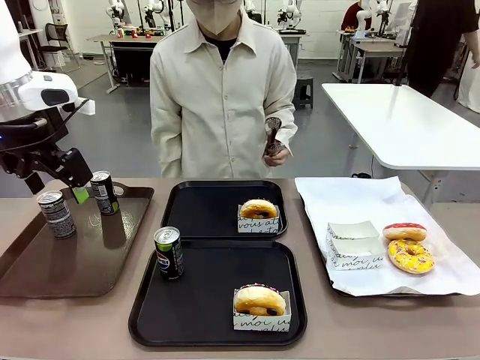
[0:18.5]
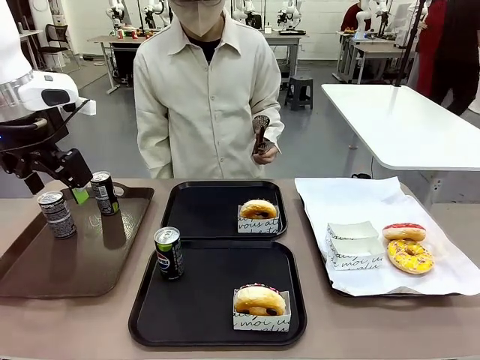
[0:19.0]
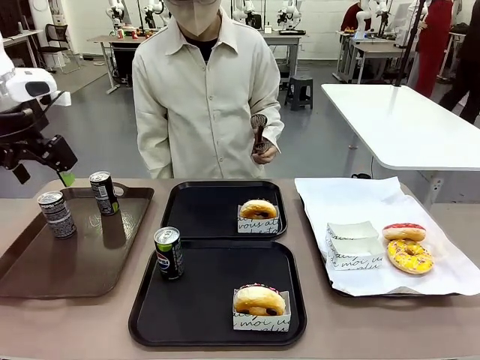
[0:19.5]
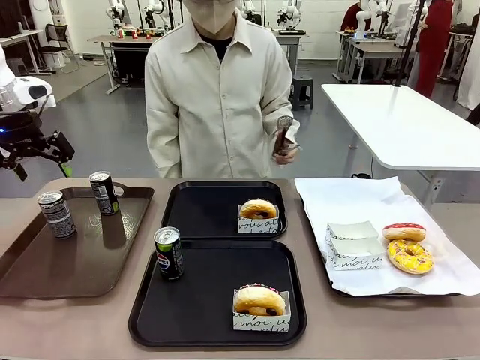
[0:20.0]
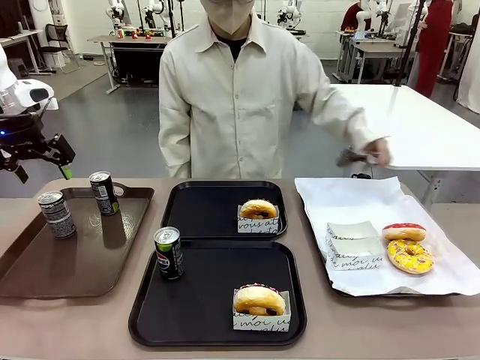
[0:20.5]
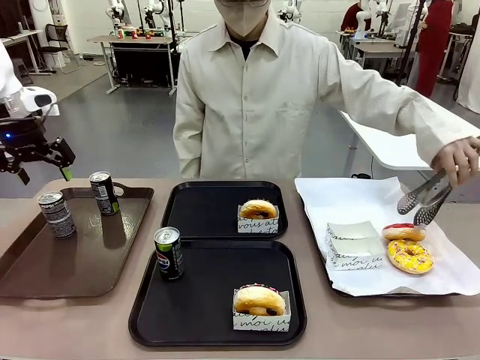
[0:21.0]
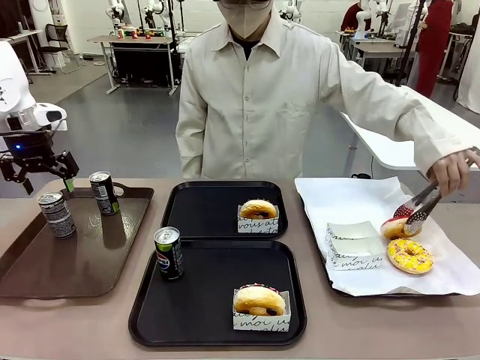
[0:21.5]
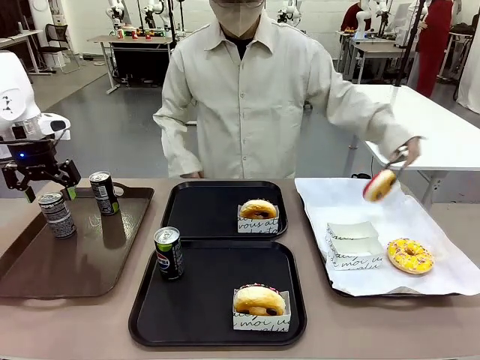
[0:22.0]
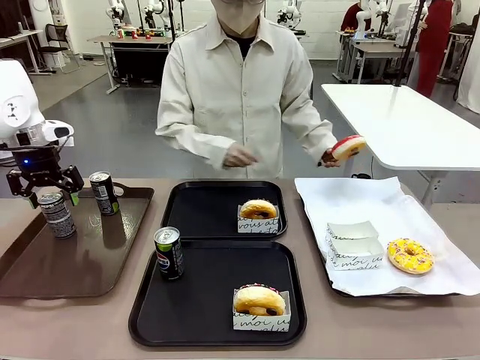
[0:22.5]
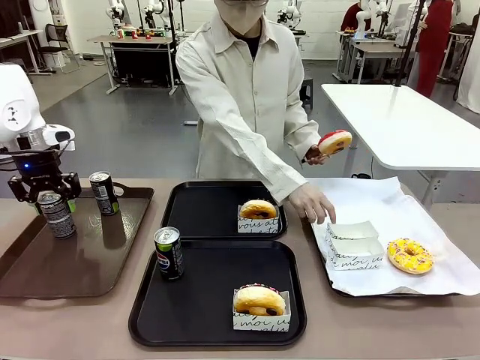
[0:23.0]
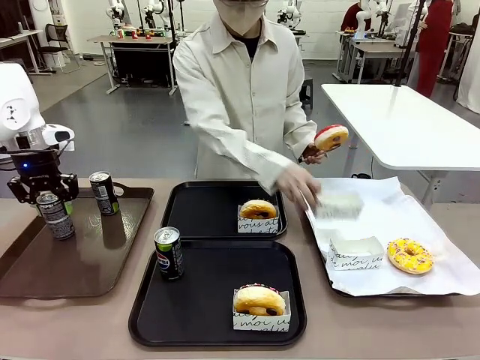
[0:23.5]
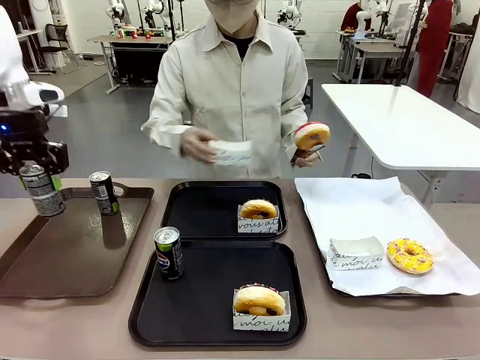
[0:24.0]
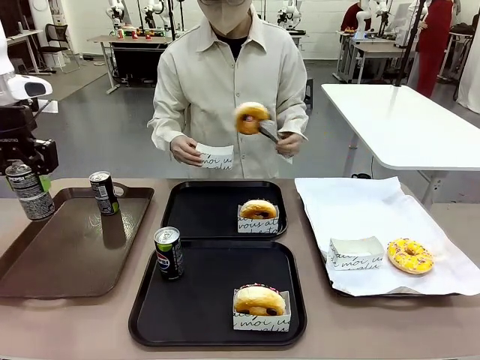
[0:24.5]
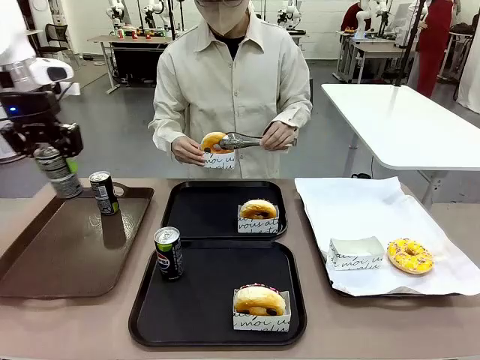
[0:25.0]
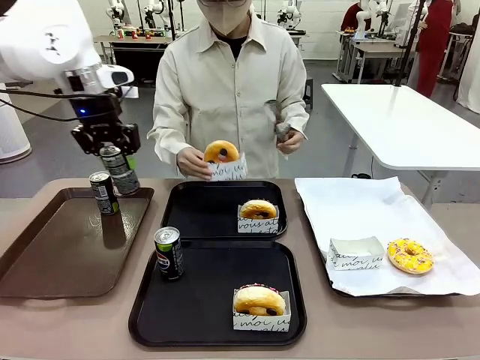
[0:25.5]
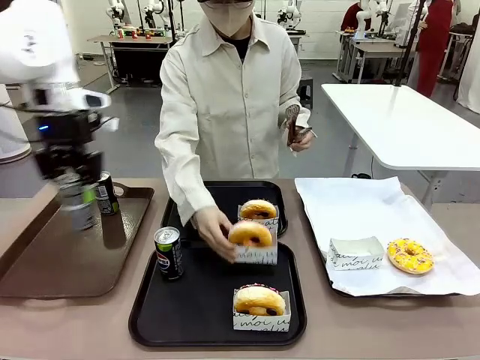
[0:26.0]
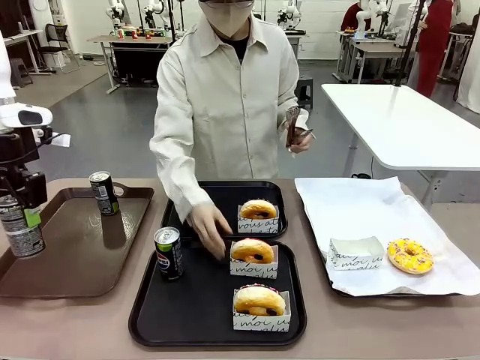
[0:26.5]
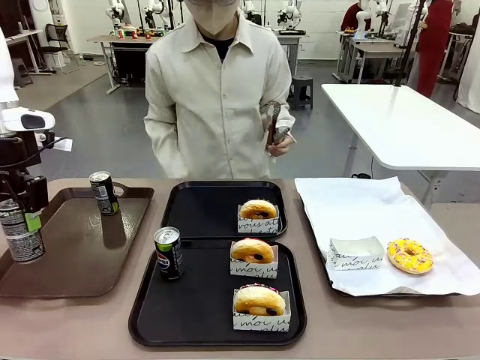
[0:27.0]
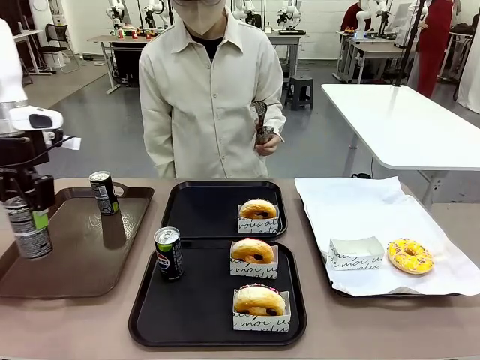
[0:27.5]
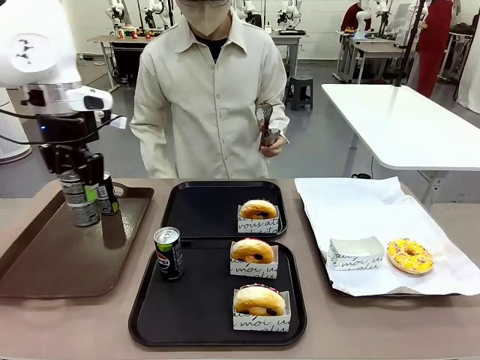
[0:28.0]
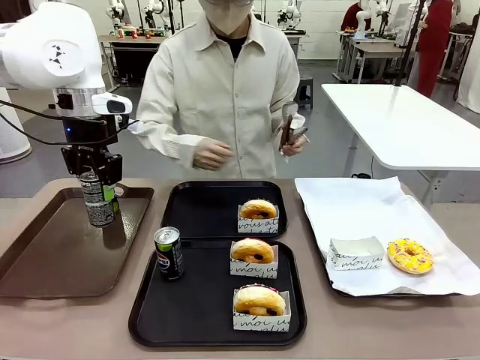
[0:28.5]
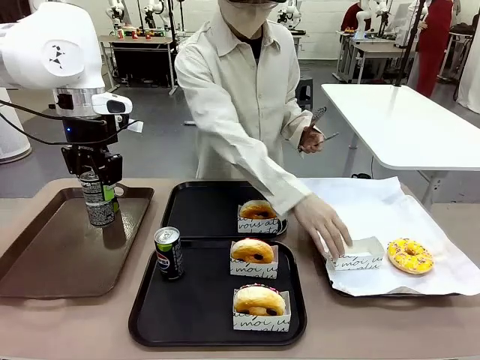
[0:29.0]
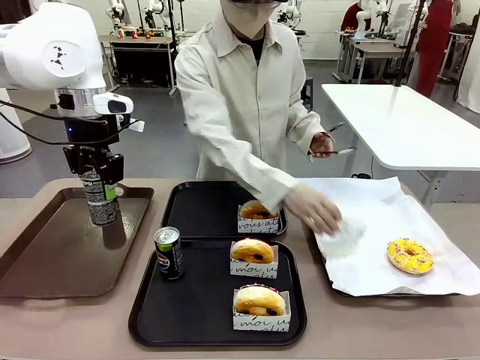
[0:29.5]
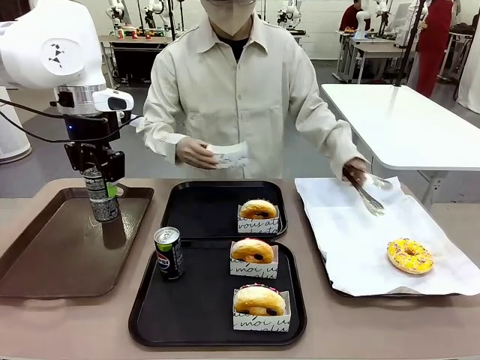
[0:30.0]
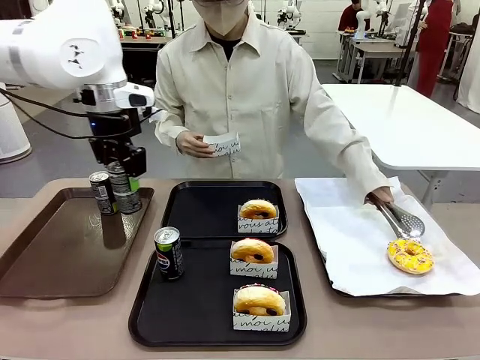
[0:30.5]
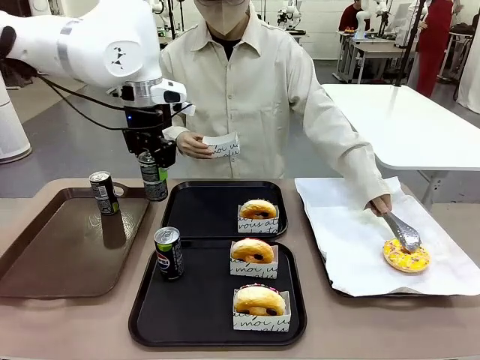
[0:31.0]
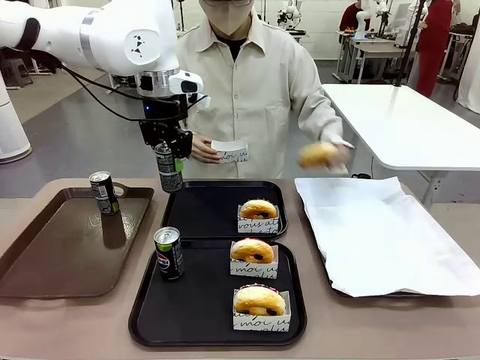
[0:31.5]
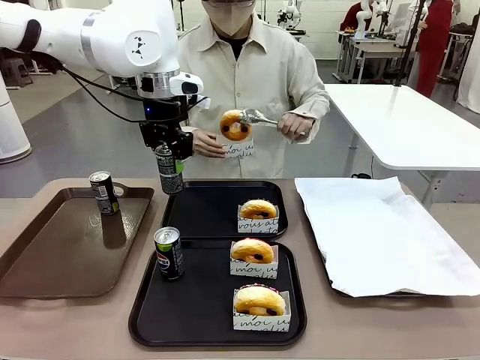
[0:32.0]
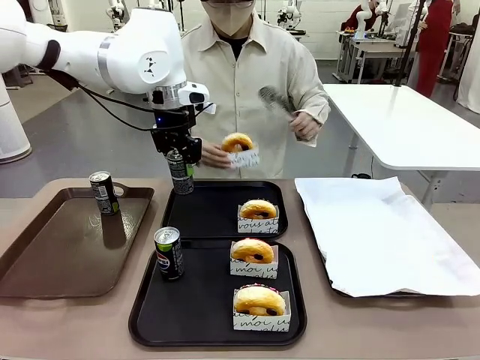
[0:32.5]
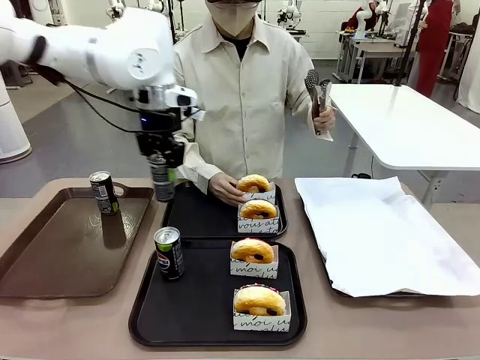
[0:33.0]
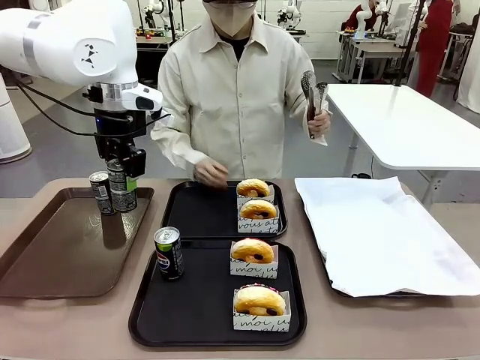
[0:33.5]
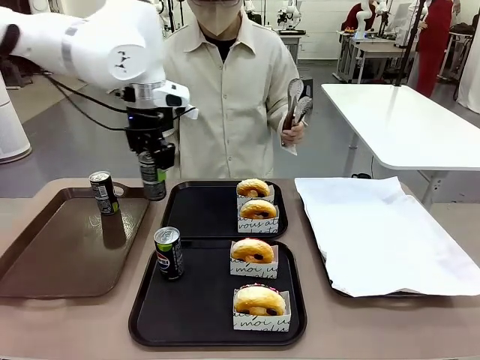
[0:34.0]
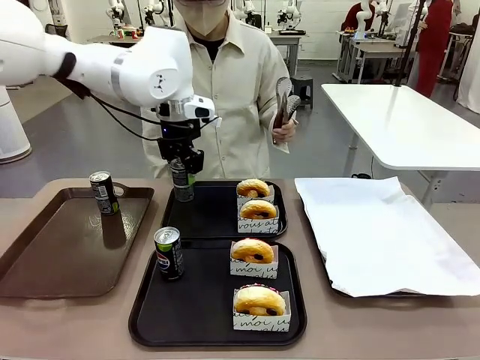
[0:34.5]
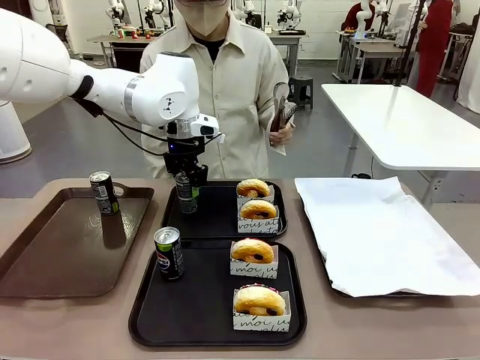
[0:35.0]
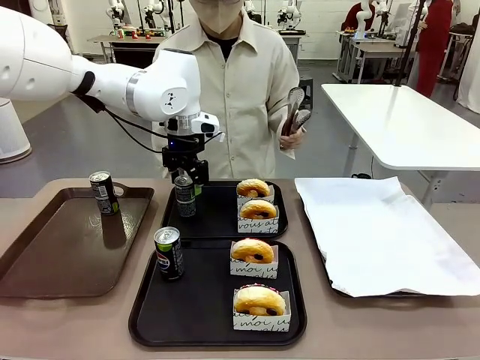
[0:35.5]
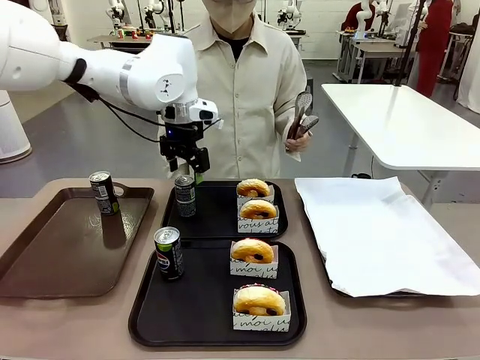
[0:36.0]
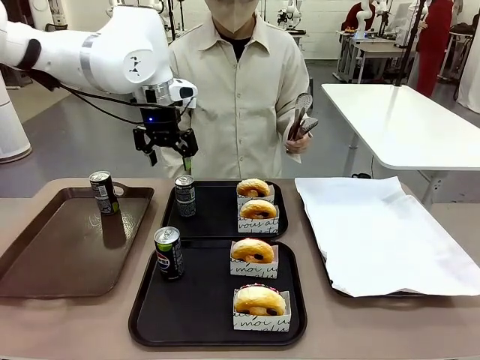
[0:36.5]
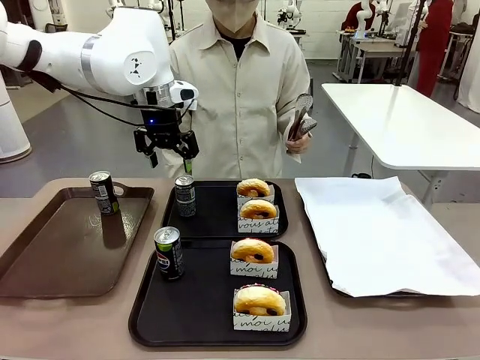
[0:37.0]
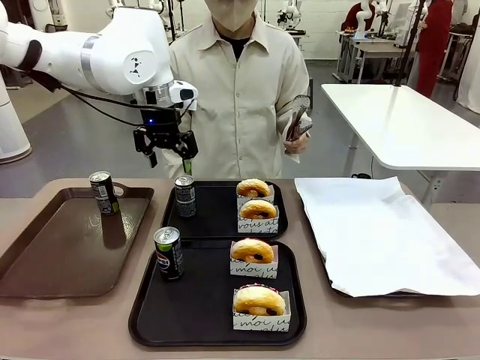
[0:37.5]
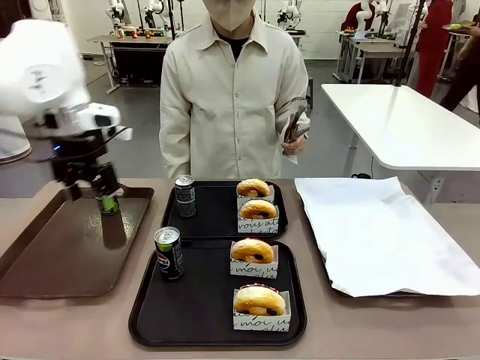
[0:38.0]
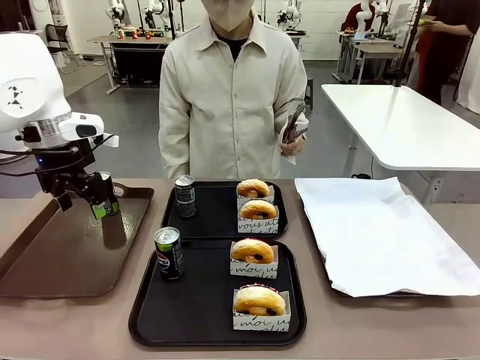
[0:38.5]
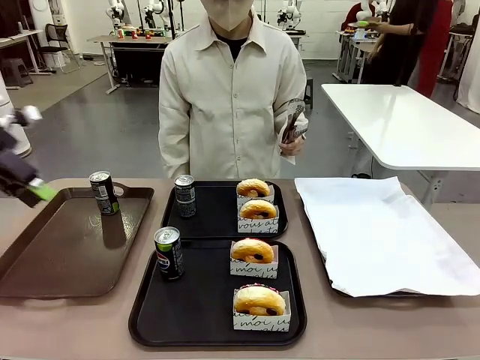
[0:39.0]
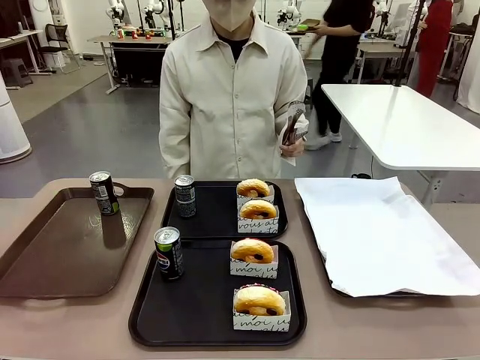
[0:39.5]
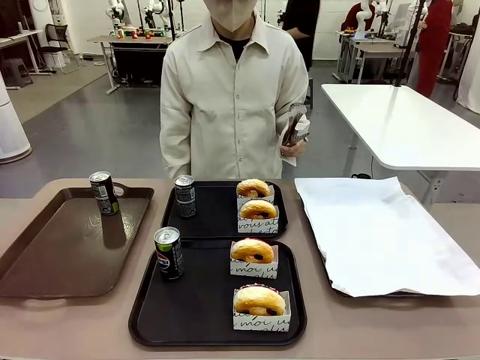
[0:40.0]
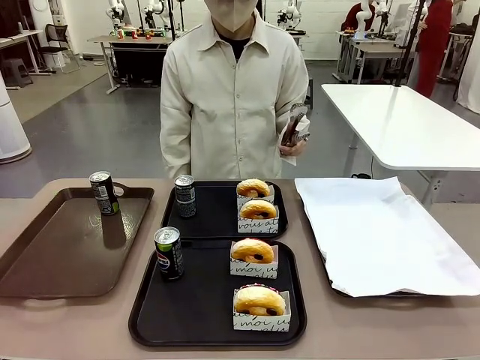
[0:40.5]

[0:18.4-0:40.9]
Task: Set up donuts and drinks on trays.
Robot: Pick up one Pepsi coke from the Handle tray and place it on the Flat Tray without a Pepsi coke.
Person: Pick up one donut with tongs, place it in the donut tray, and then place the donut tray on the flat tray.

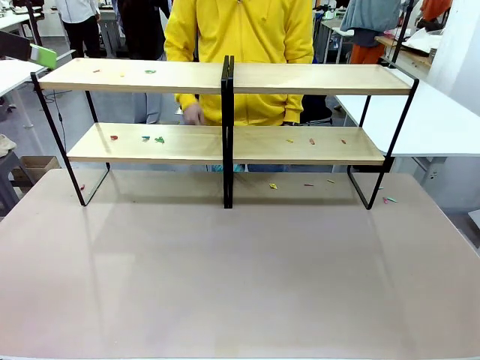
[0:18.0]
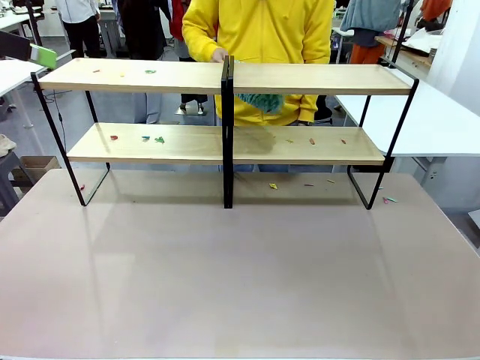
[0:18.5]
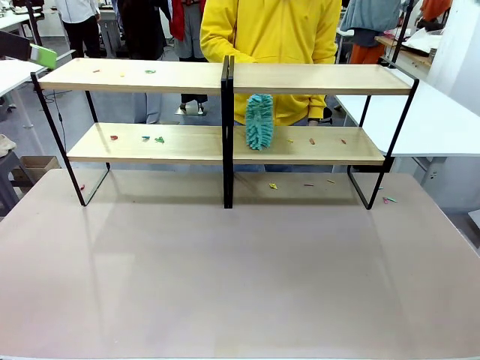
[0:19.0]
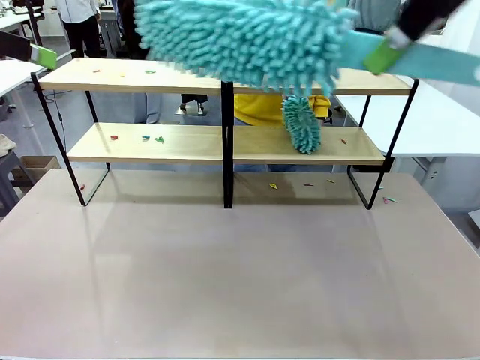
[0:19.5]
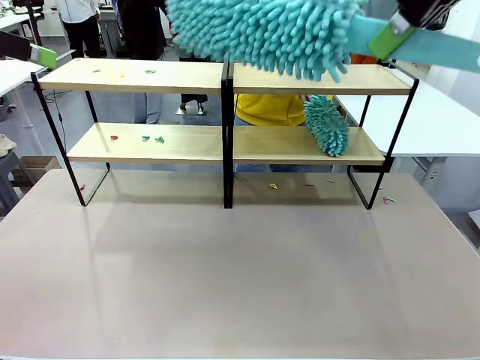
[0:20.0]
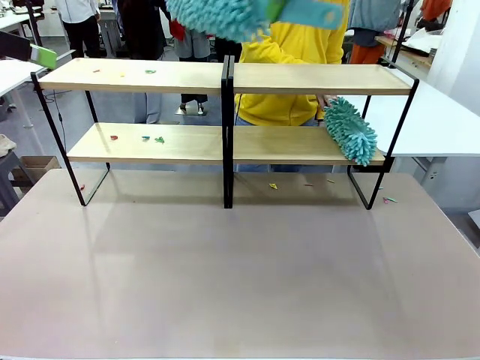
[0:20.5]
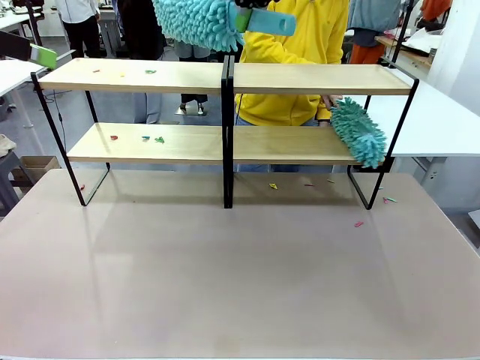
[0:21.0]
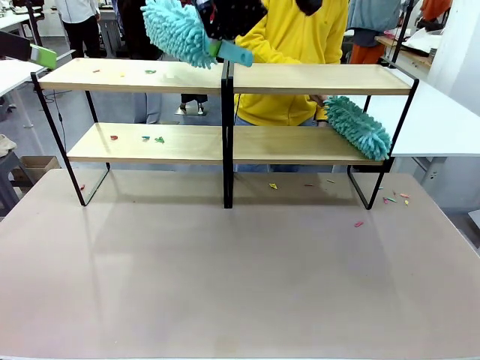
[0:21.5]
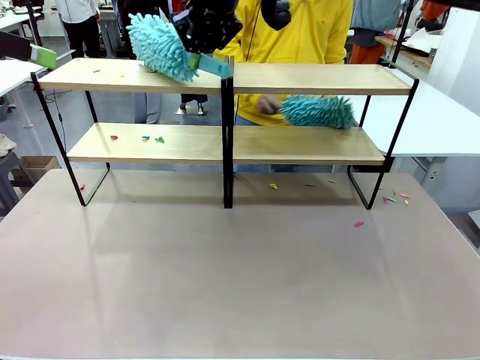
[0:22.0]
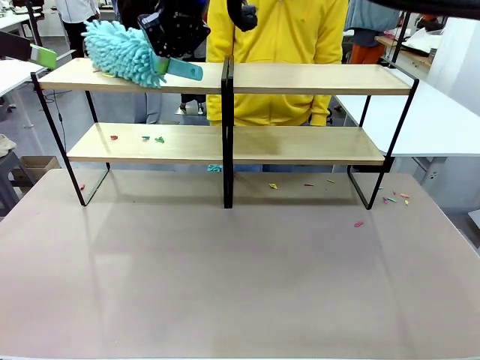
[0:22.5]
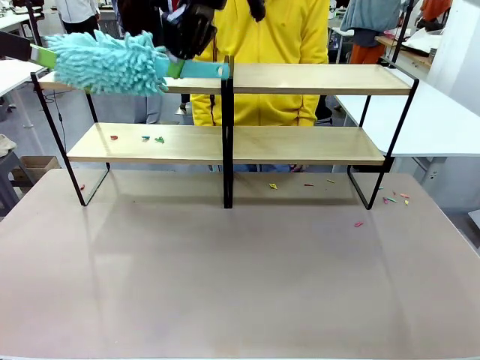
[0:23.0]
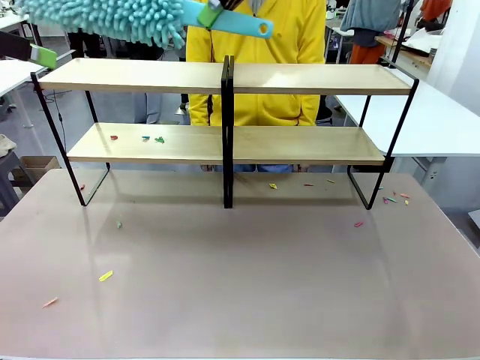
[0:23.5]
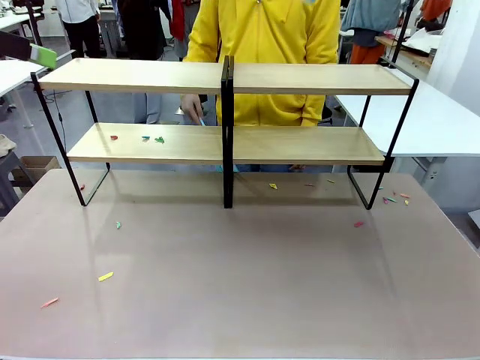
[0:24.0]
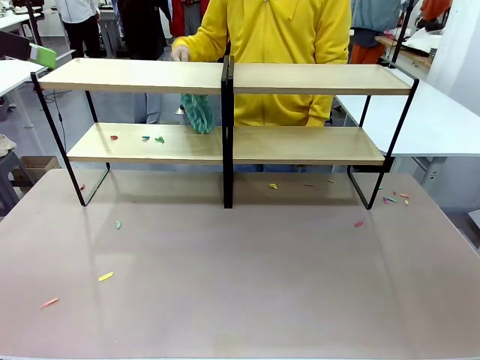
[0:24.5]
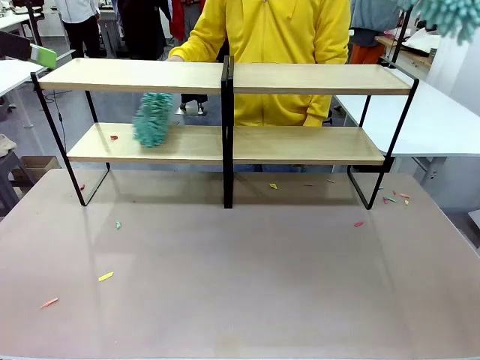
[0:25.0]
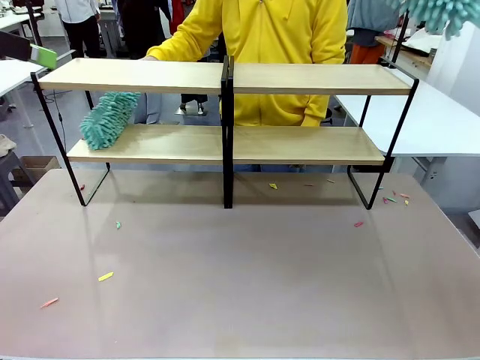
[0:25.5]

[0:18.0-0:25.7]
Task: Clean the shelves.
Robot: Clean another randomly selected level of the Shelf with the Duster.
